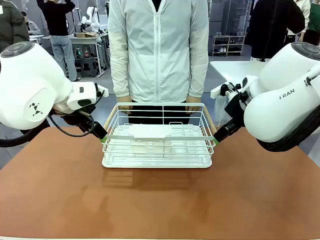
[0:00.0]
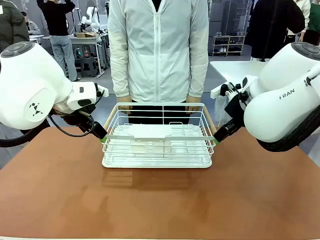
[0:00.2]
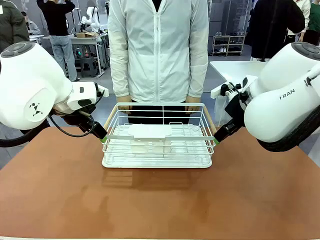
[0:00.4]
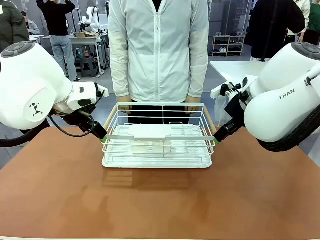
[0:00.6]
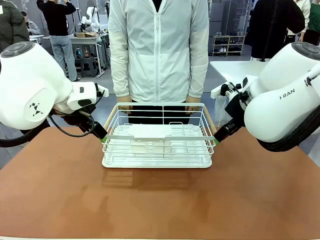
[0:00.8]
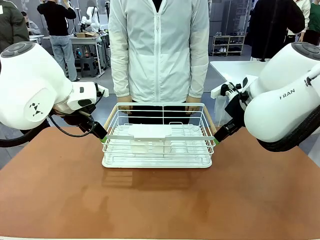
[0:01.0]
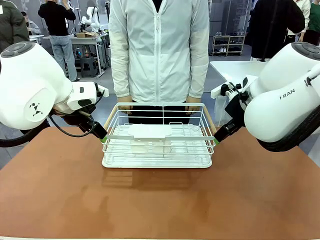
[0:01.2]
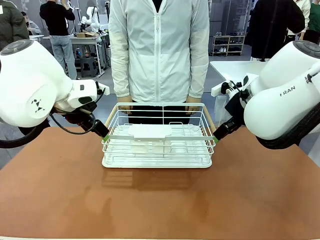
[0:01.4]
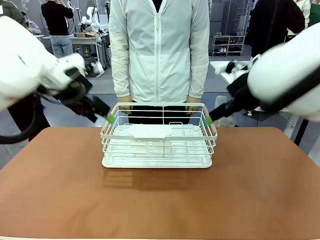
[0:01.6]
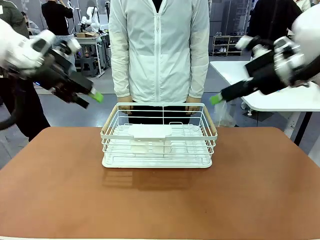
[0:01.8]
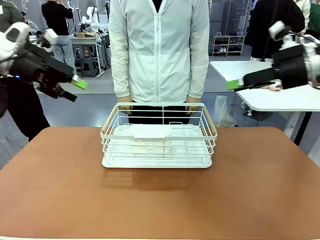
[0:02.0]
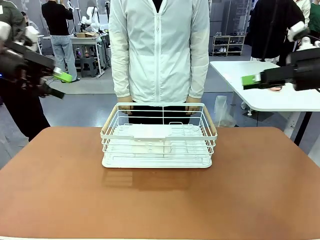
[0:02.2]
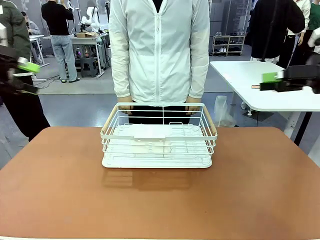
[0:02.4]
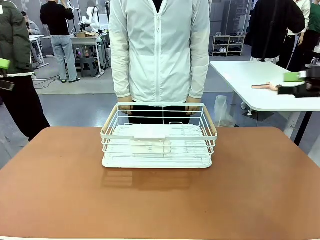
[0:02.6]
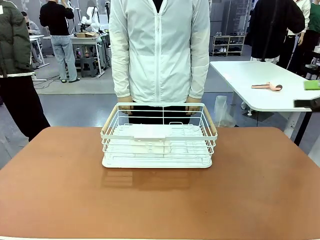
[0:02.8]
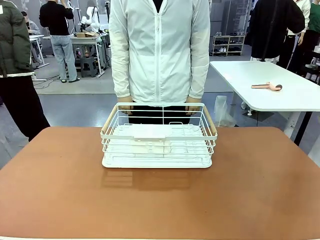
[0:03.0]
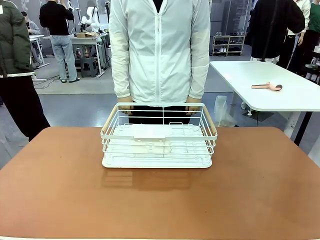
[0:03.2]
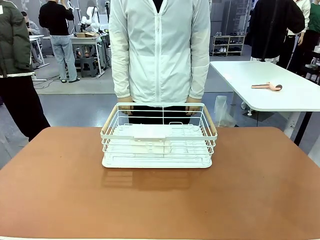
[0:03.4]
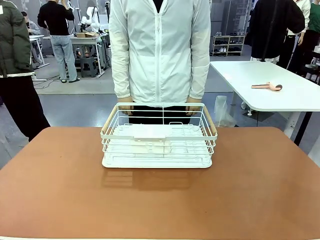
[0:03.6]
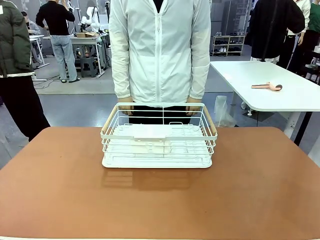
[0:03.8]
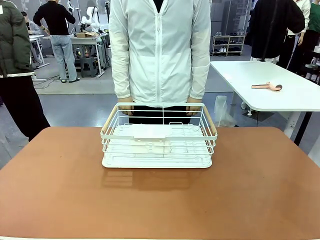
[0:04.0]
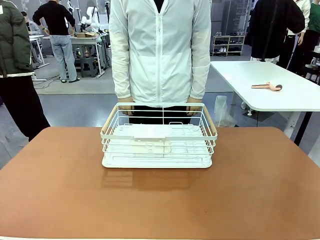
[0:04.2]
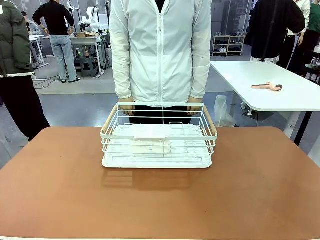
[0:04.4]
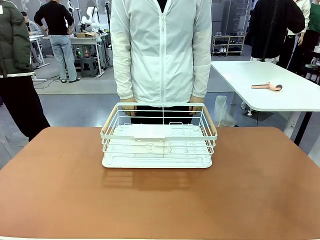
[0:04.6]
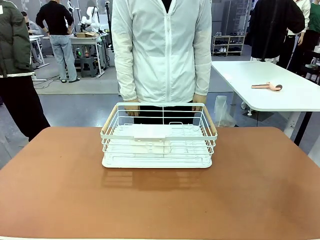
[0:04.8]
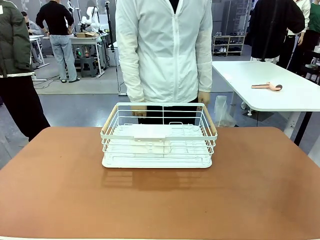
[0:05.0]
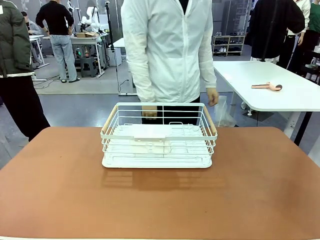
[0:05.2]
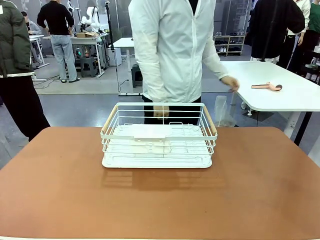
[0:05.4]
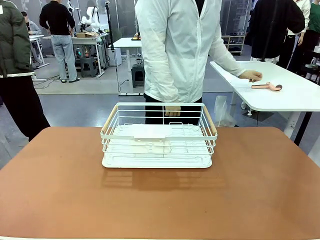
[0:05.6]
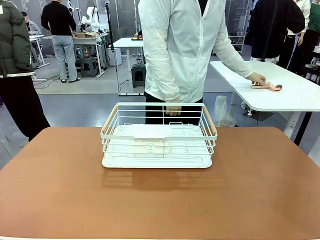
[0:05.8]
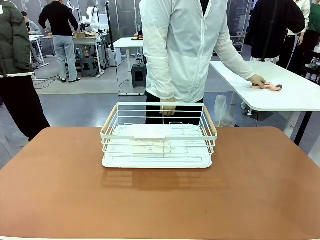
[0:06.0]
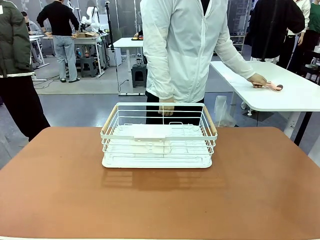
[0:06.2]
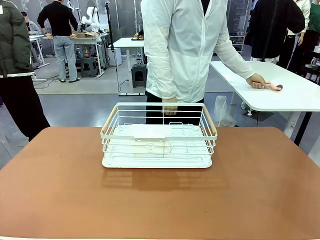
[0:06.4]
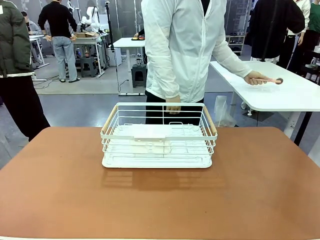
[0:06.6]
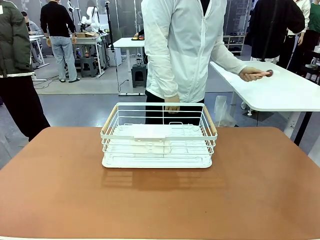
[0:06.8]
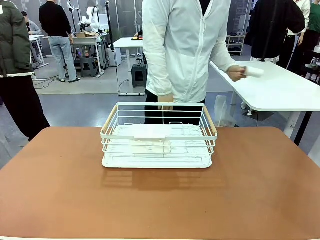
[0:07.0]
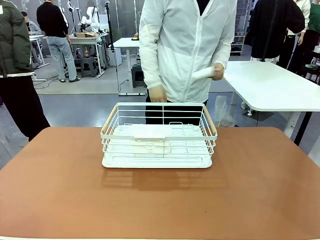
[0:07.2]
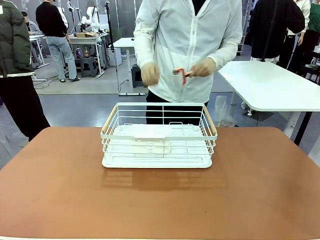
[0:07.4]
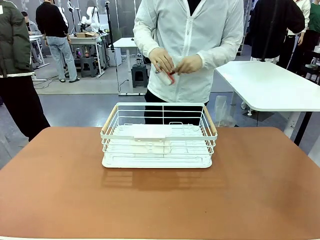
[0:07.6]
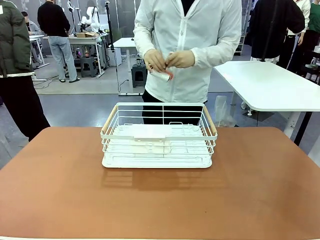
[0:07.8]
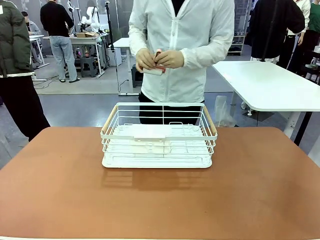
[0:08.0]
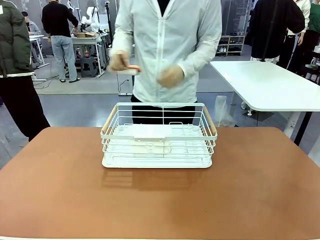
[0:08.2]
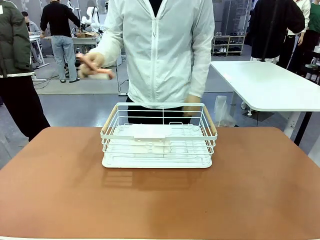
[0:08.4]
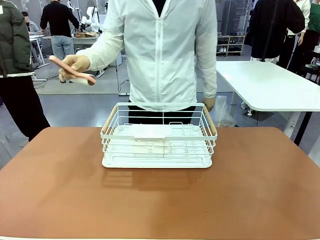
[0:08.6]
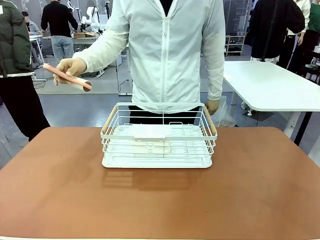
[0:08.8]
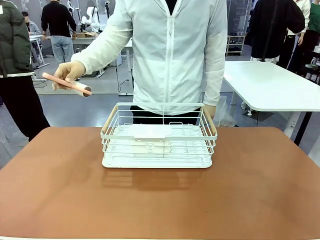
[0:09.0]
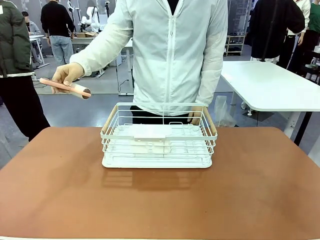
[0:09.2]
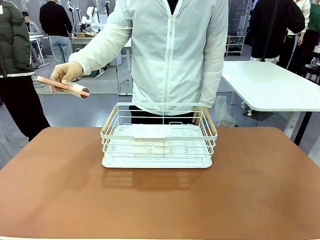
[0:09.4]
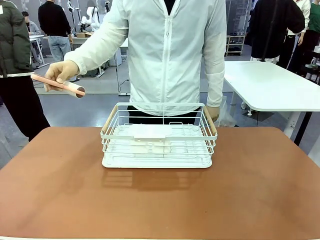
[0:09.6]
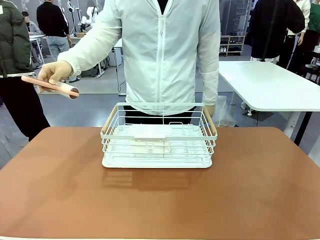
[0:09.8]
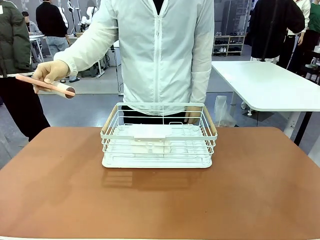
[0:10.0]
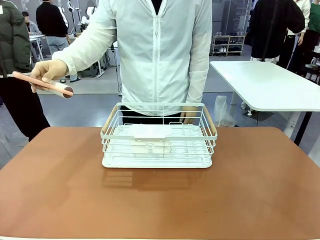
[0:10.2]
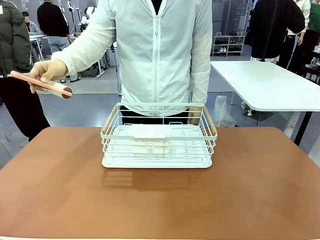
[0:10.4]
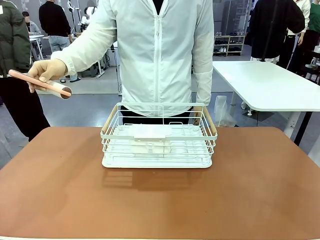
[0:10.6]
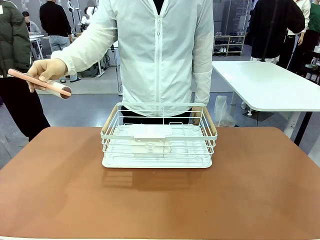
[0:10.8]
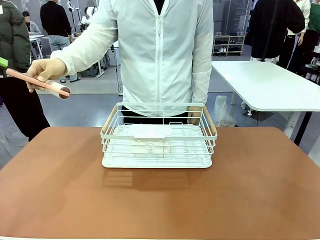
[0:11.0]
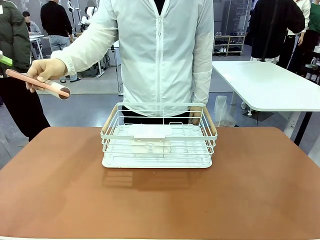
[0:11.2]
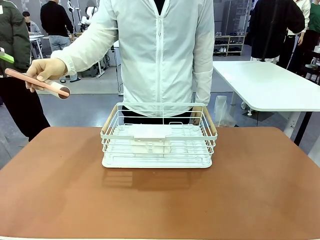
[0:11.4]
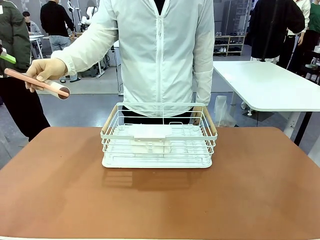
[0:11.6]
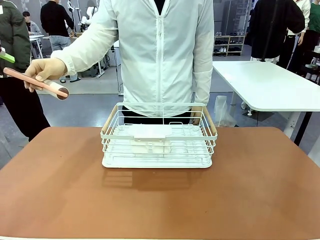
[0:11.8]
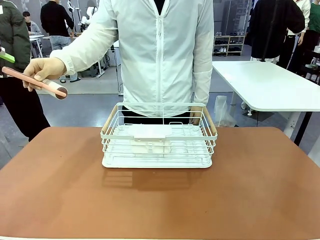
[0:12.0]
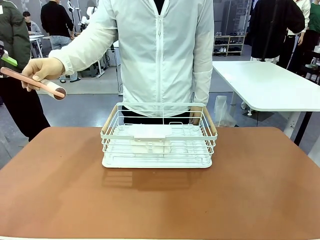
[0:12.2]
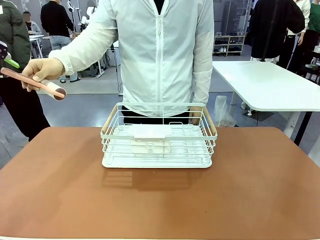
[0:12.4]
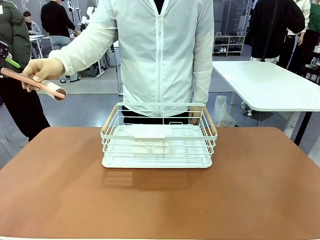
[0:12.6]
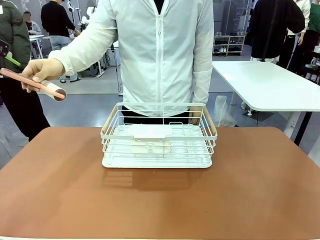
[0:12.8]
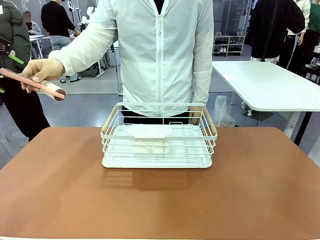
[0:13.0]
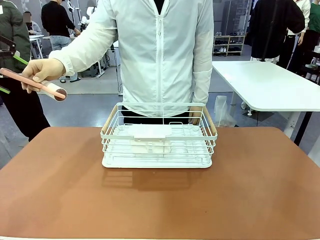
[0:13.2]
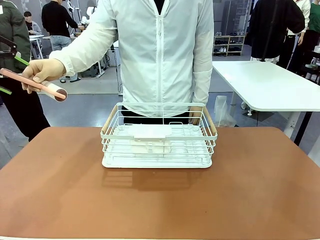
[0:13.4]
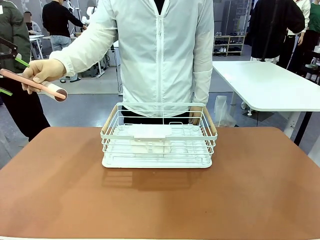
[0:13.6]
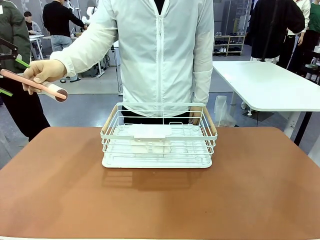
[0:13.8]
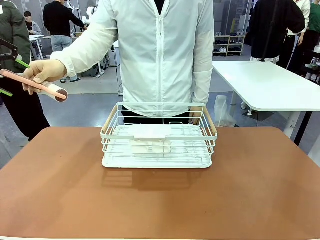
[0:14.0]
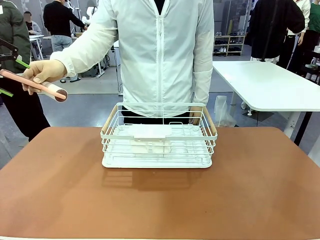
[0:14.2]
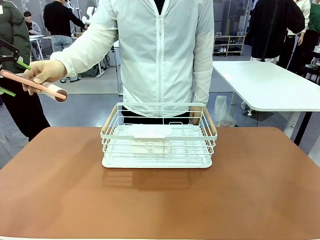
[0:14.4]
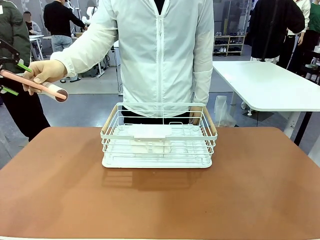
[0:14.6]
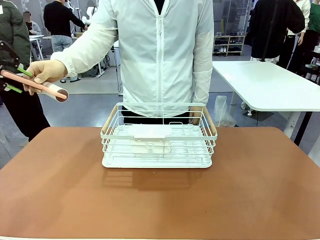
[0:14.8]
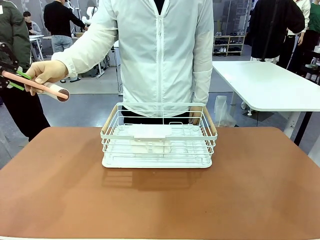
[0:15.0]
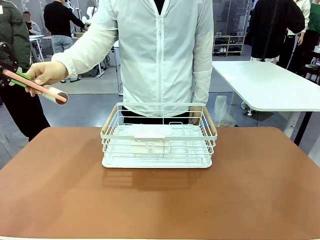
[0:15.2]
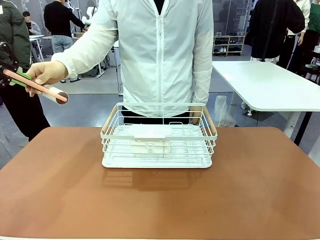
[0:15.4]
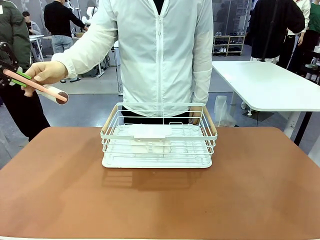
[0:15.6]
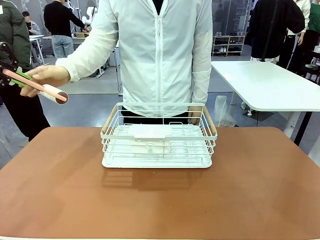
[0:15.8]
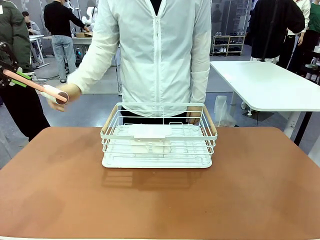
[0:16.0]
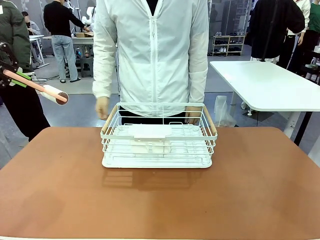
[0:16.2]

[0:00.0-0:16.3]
Task: Clean the table.
Robot: Pick up the Lint Roller when the human hands it over.
Person: Hand the Lint Roller to the robot so it can easily pick it up. Lift the Dish drying rack.
